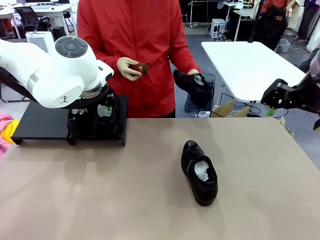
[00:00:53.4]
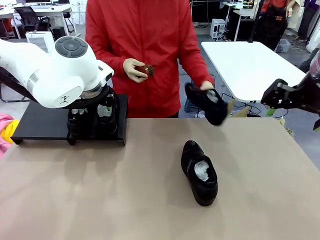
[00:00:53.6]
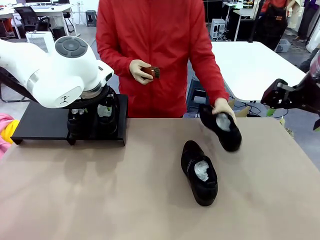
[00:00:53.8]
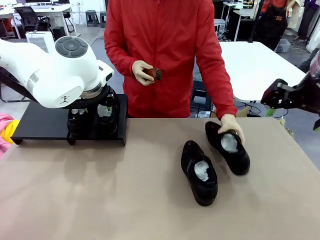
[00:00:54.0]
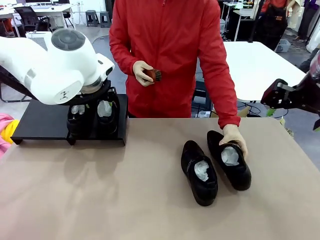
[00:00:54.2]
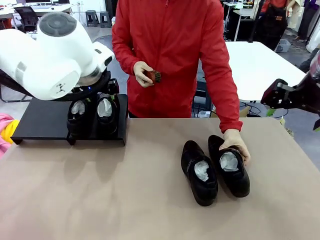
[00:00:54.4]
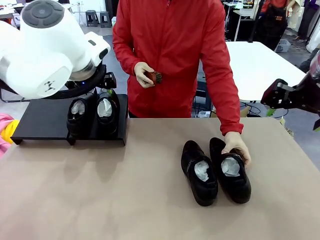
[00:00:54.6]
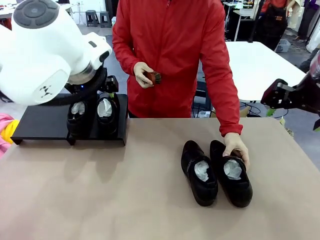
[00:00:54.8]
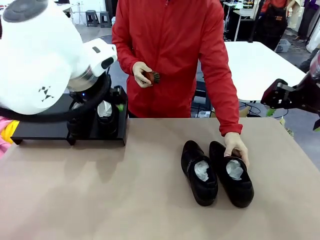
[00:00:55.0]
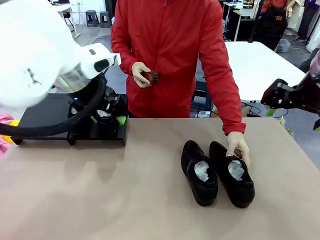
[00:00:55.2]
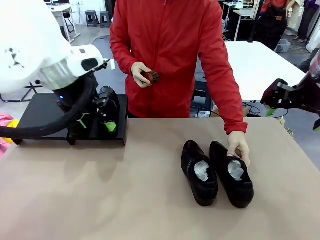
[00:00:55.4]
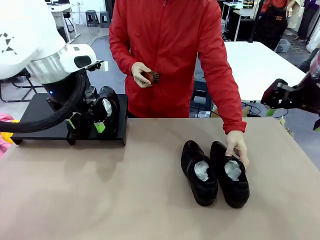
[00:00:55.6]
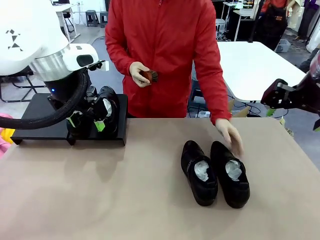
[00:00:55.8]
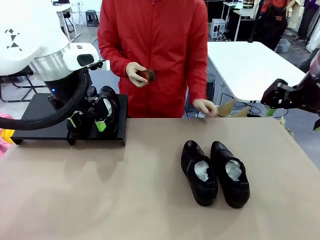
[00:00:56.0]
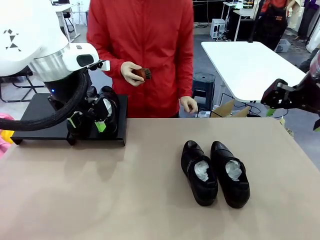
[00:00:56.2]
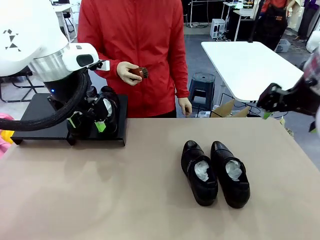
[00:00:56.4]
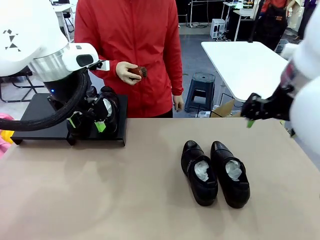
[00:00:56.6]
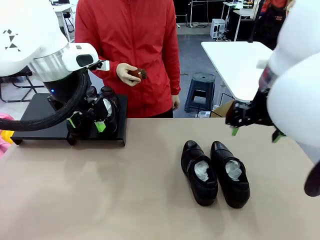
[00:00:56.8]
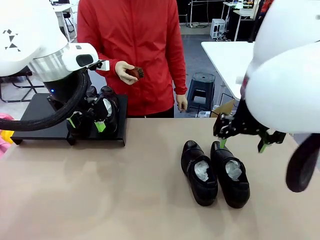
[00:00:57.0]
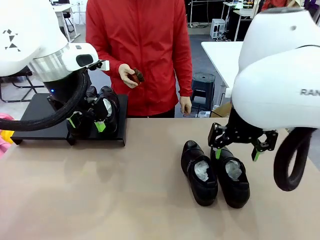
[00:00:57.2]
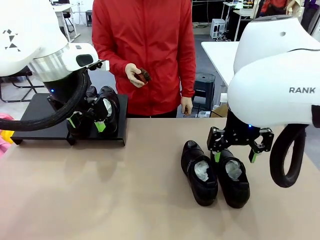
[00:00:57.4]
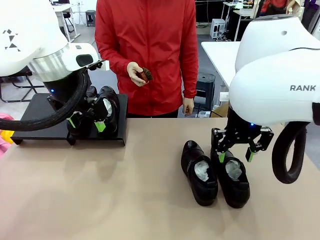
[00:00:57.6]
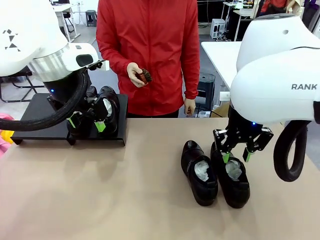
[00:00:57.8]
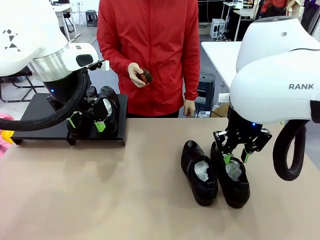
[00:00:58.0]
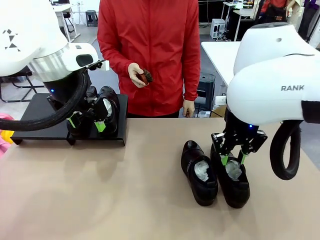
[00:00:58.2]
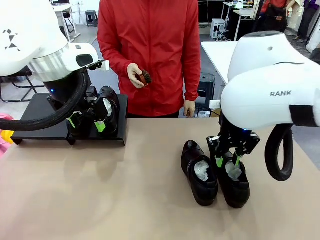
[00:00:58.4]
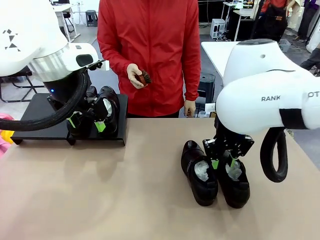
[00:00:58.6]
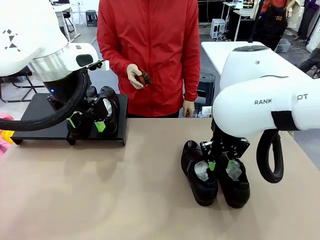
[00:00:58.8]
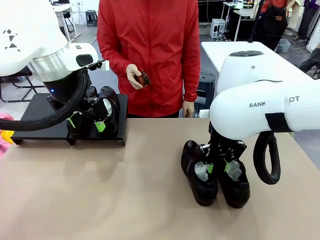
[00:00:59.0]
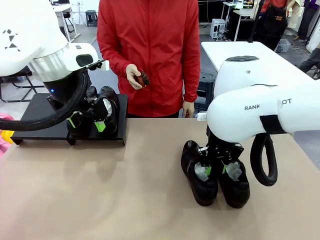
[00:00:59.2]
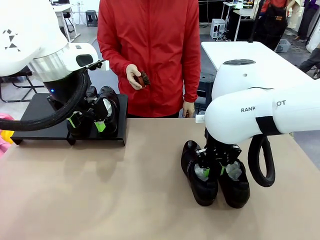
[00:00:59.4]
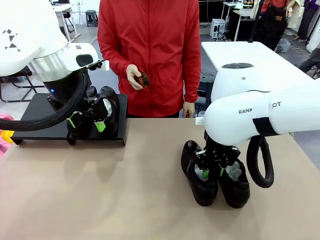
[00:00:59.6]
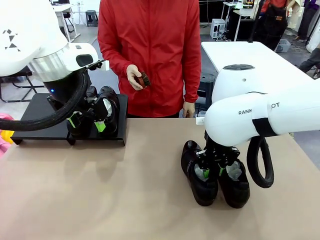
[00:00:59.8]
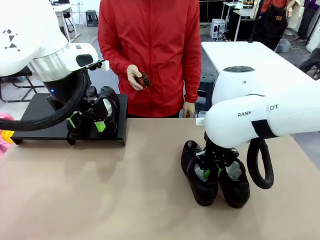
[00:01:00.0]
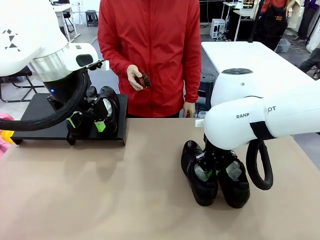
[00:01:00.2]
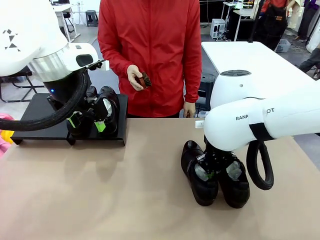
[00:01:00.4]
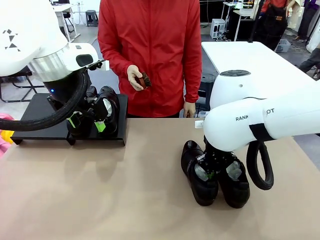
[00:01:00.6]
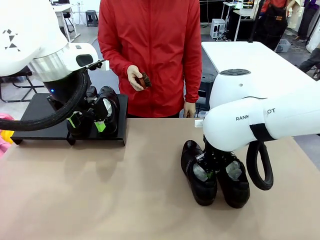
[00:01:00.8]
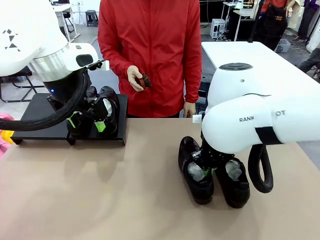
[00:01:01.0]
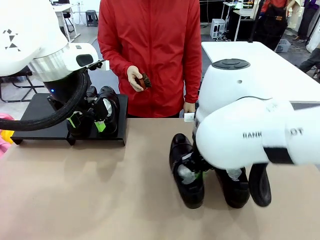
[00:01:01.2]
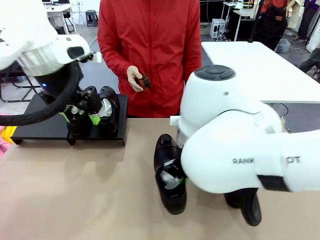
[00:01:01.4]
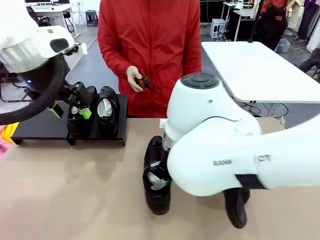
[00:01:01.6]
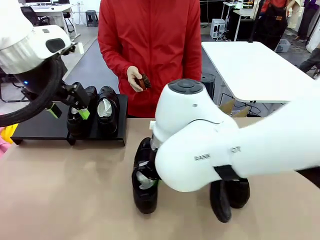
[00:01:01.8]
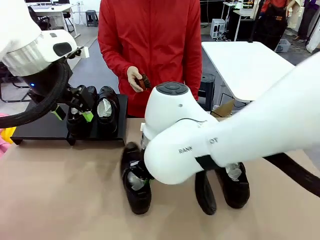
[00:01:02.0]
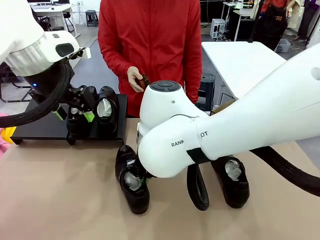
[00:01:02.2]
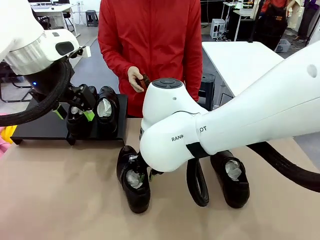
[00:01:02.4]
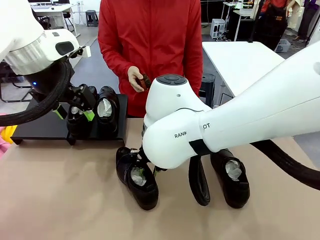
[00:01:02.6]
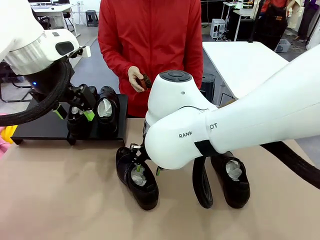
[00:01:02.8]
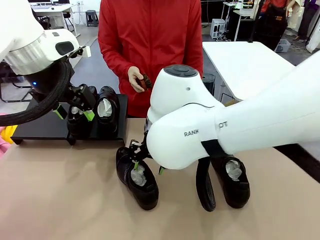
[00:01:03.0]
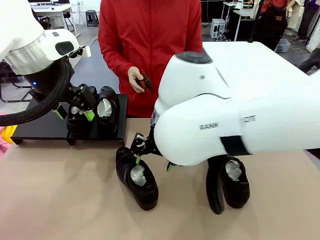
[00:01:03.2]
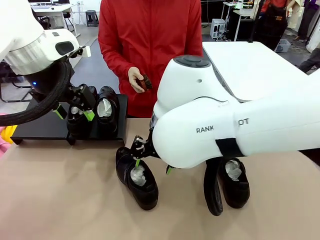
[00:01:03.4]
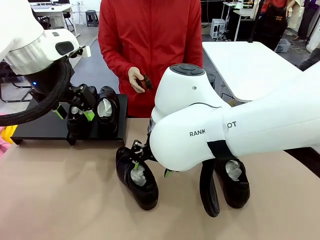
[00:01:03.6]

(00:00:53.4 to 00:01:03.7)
Task: Organize the shoes by placing them on the stand.
Robot: Pick up one Shoe and place it in the middle of the table.

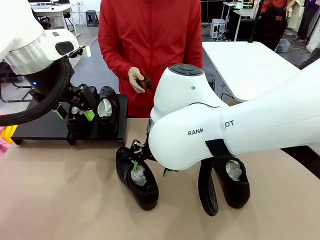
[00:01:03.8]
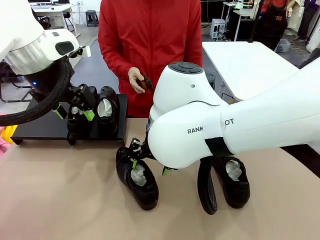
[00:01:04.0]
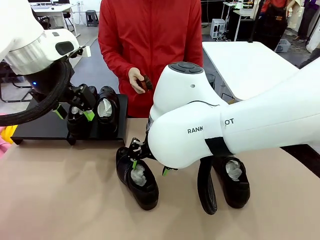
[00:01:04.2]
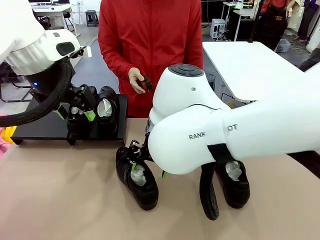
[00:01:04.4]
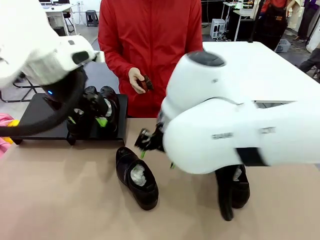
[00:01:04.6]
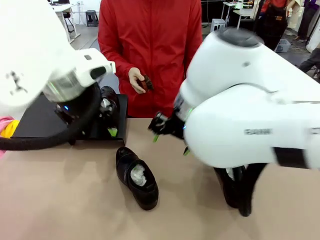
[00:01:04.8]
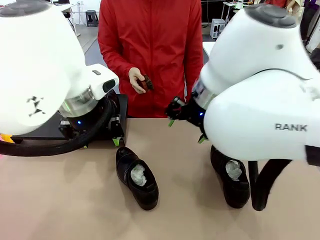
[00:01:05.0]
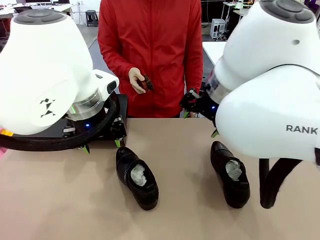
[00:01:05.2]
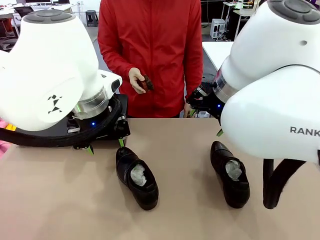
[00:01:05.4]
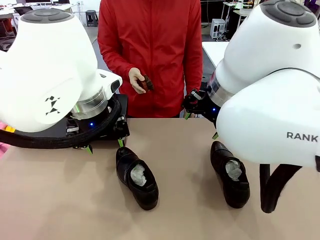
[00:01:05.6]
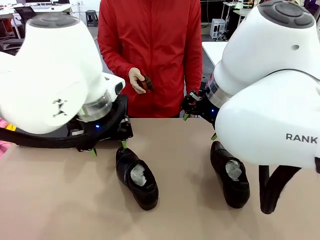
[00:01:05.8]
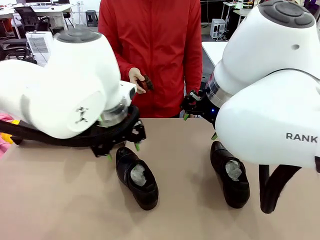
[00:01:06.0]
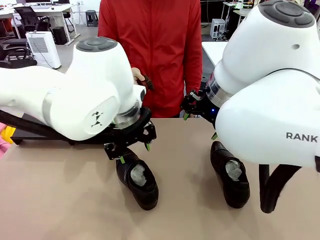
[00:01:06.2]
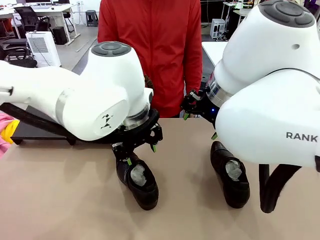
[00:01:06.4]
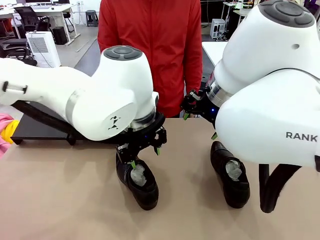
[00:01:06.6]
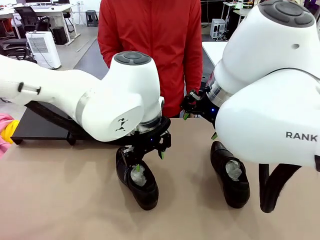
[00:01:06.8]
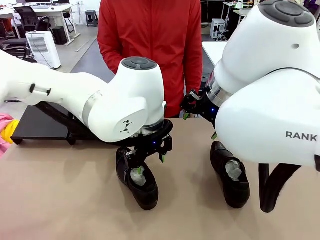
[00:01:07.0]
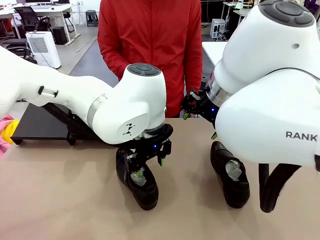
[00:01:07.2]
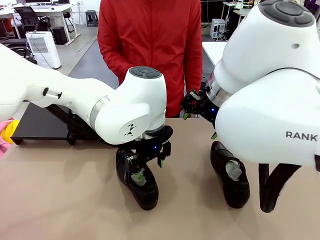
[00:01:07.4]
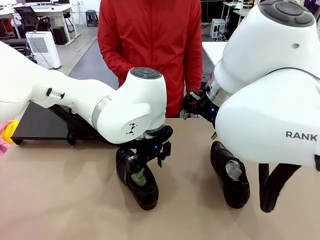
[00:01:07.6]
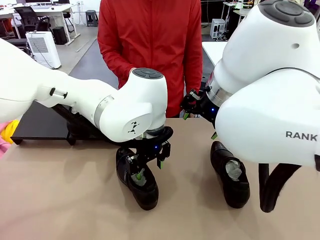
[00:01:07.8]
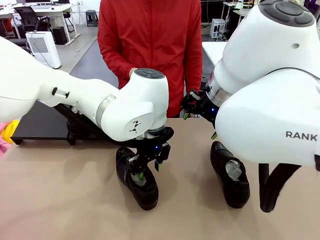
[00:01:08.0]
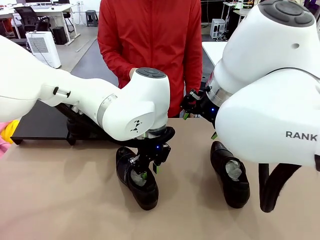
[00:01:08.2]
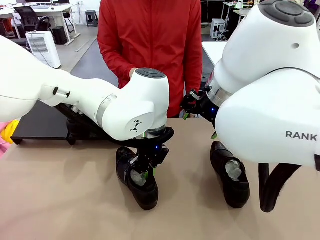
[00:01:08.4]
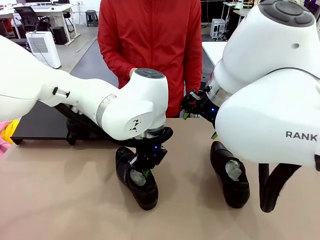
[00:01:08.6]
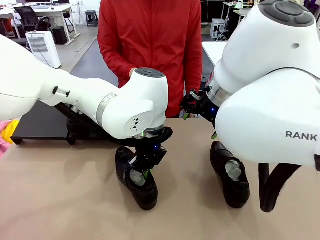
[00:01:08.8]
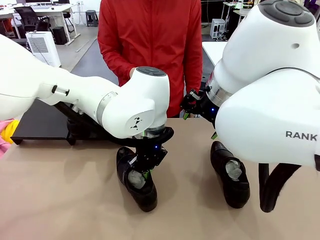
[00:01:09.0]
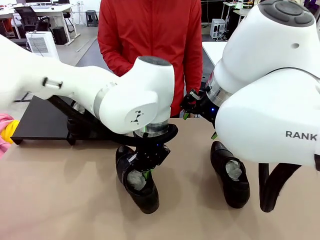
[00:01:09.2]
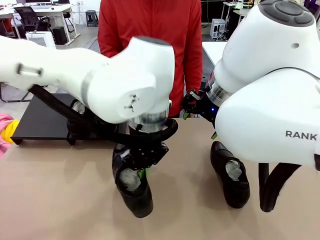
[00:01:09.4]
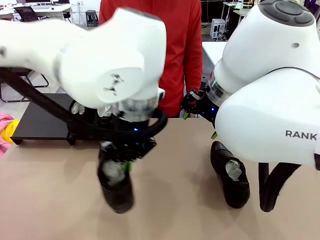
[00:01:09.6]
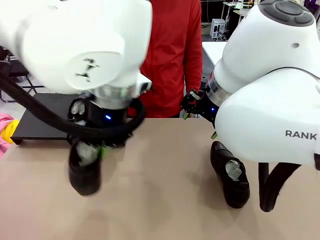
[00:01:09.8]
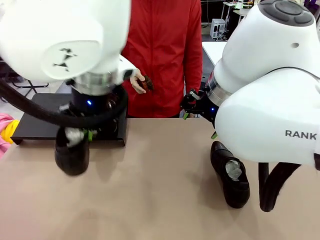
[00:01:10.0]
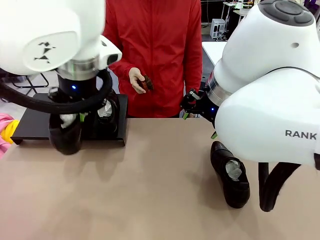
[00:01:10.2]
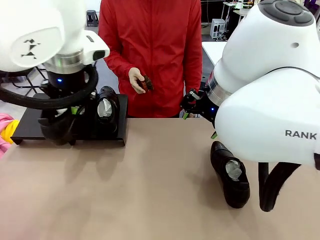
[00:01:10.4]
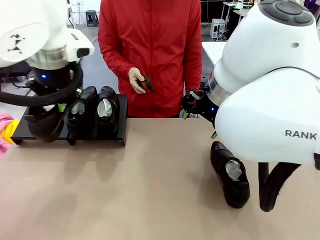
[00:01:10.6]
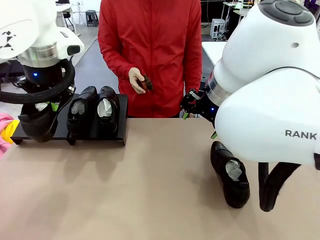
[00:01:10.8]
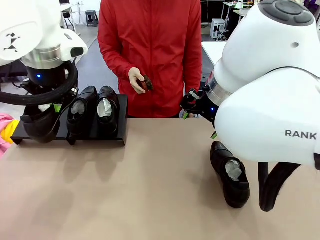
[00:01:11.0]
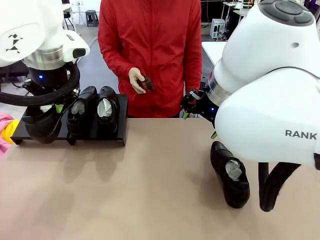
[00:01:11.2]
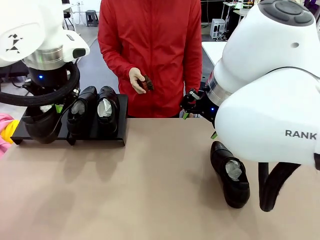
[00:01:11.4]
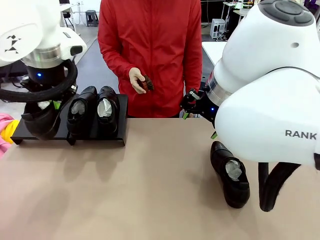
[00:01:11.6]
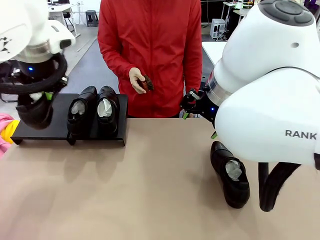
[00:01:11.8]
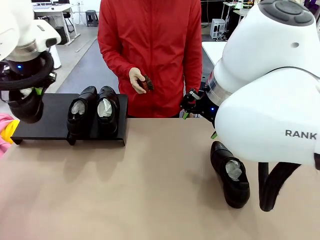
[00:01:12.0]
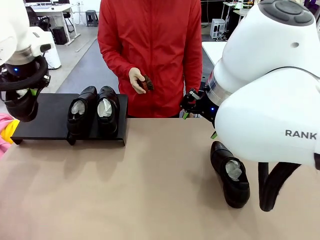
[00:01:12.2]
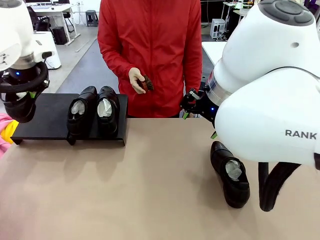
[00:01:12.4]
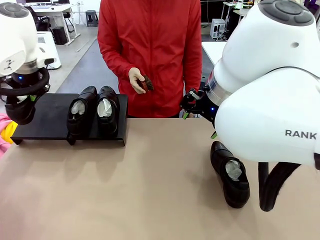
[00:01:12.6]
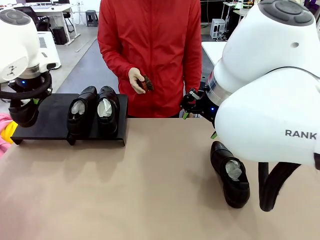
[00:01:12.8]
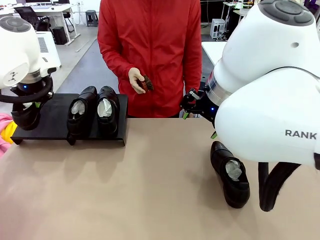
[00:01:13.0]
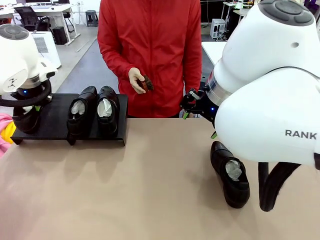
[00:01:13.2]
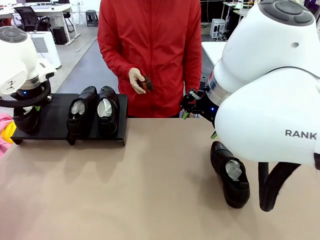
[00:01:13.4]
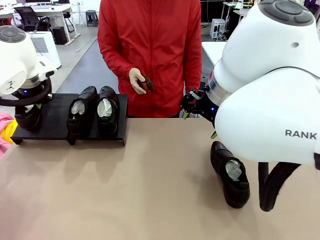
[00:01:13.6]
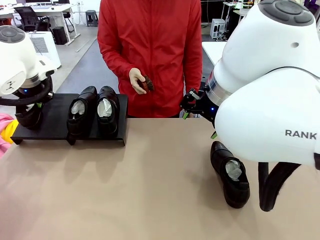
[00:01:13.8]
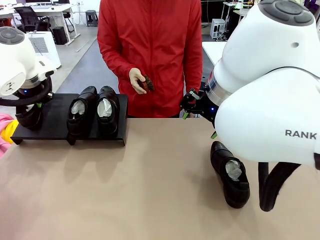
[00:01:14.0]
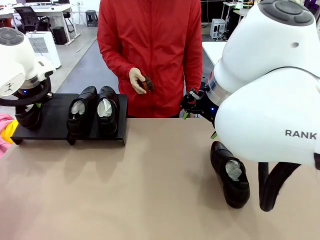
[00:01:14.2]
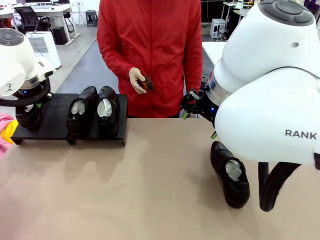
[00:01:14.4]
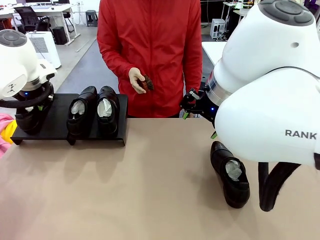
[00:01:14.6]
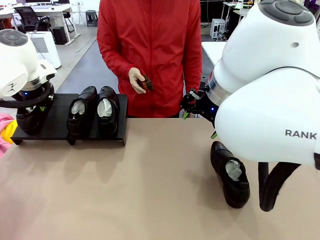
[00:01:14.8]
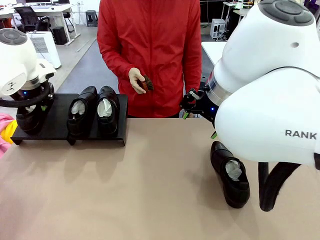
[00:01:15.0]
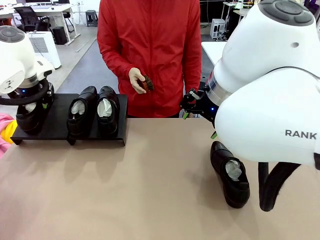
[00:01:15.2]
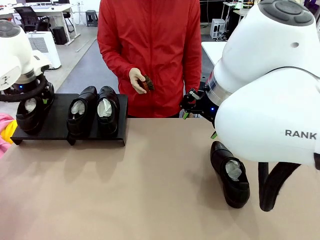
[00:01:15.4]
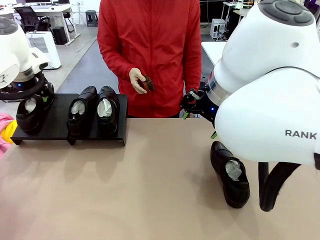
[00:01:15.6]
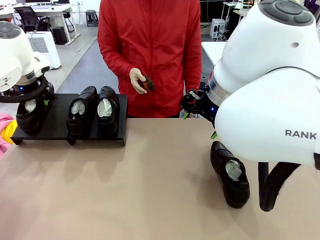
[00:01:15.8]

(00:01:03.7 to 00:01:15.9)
Robot: Place the Shoe from the middle of the table onto the Shoes Stand.
